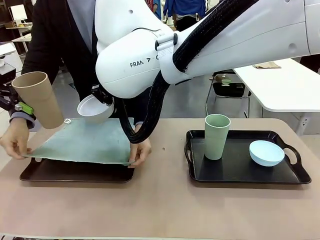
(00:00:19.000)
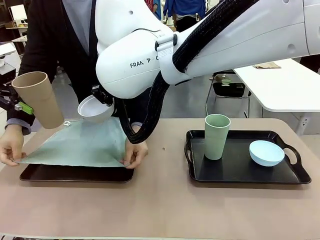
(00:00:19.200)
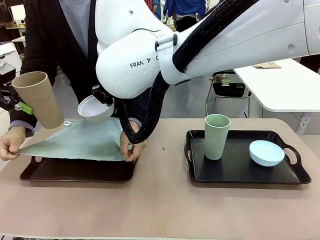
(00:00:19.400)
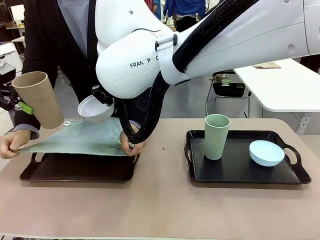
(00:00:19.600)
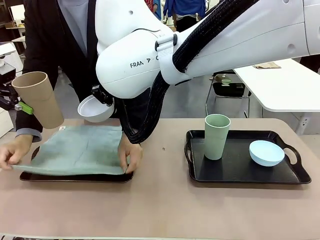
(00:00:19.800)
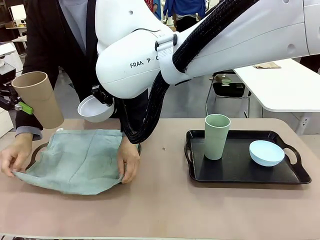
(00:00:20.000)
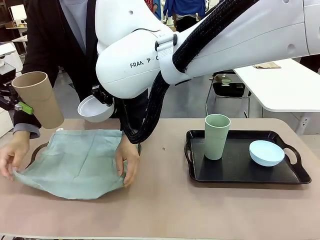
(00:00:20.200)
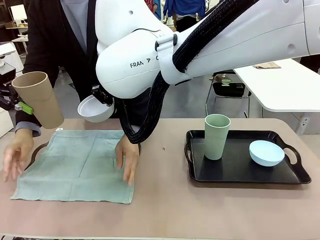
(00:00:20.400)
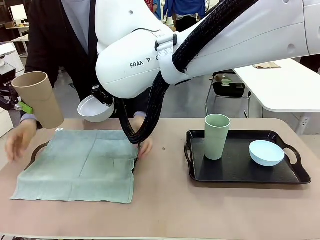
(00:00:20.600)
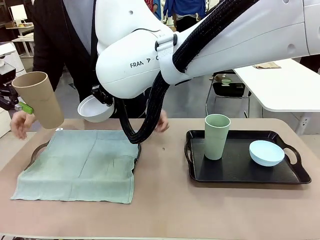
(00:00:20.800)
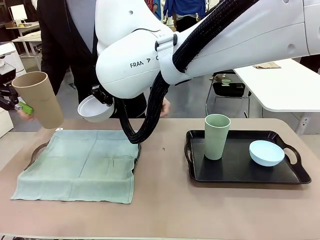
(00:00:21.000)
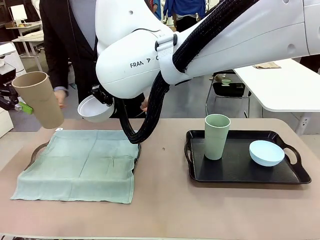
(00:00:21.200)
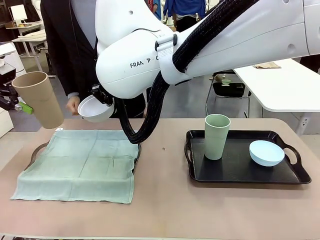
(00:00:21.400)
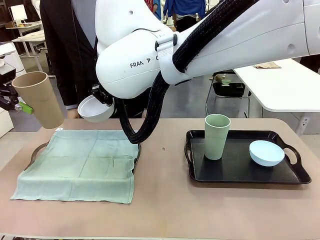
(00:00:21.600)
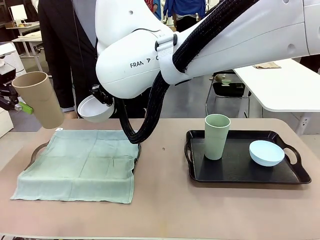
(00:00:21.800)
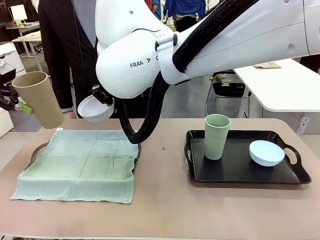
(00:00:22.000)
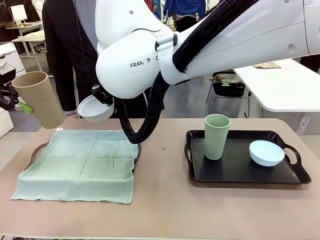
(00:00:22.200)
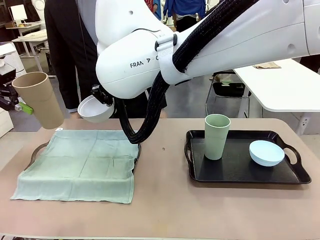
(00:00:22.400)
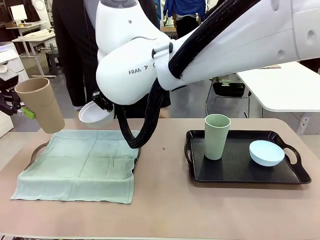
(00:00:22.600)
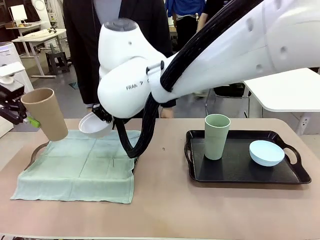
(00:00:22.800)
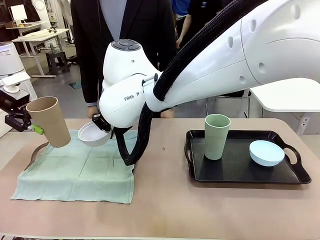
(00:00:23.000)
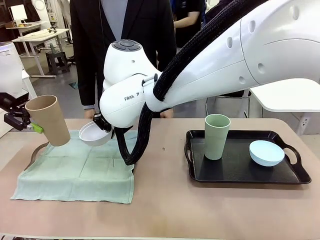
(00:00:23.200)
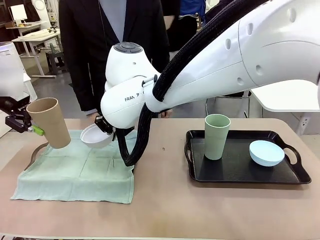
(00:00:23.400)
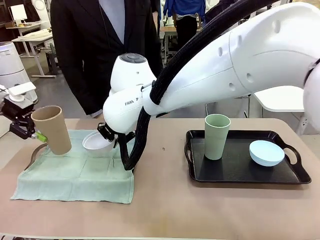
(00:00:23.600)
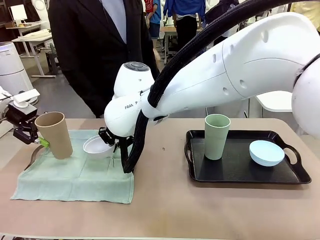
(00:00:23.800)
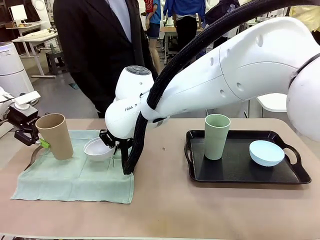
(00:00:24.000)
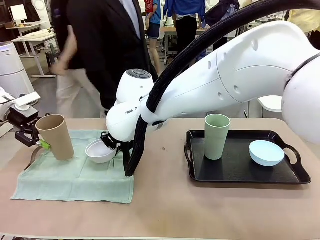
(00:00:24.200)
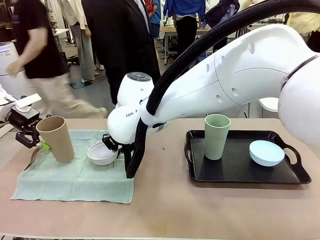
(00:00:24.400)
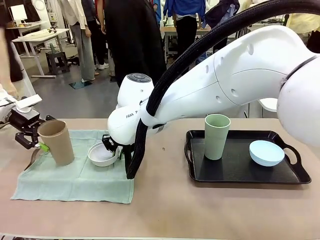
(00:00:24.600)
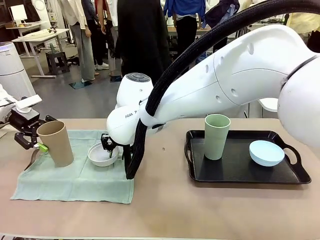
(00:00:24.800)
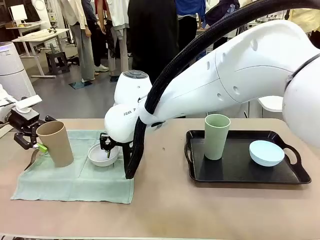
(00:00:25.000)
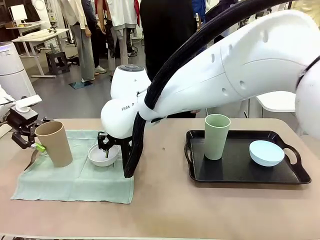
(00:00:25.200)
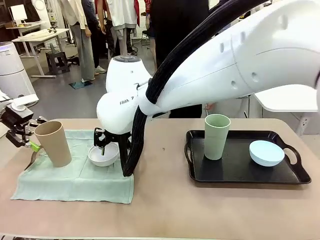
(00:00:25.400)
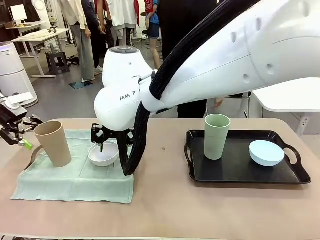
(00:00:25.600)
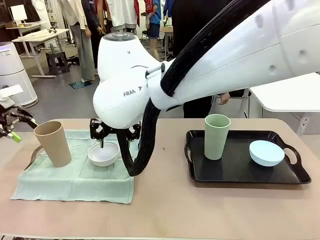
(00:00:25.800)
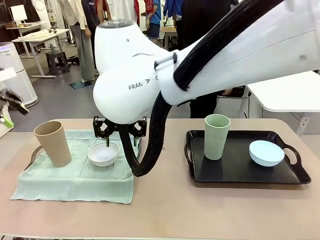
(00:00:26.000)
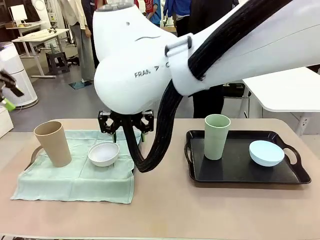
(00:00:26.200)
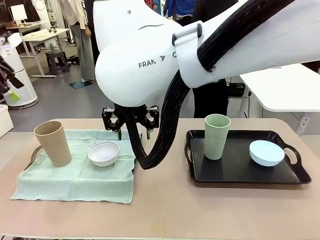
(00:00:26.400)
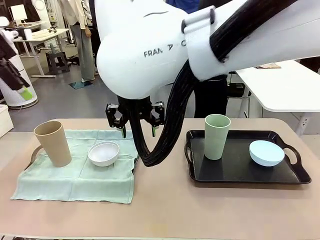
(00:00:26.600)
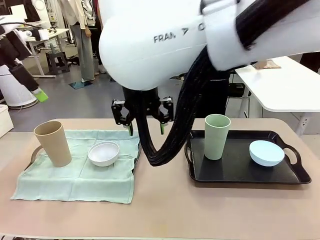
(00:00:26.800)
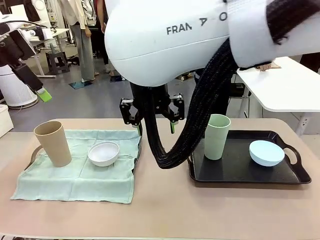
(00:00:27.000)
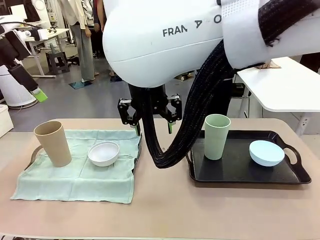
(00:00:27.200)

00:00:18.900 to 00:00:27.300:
Robot: Place the Picnic Bowl and Reusable plastic cup back onto the Handle tray in front of the human's position.
Person: The human returns to the human table to pick up another napkin and walks to the robot table to stand in front of the tray without a napkin.

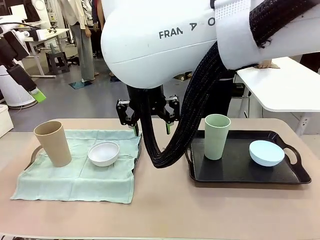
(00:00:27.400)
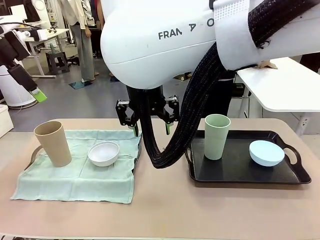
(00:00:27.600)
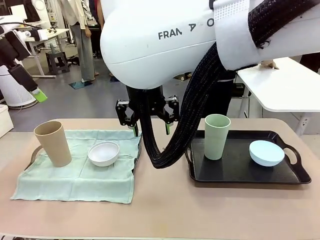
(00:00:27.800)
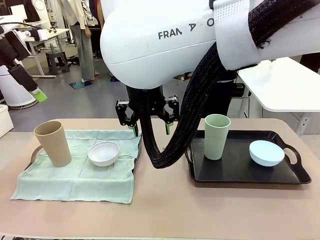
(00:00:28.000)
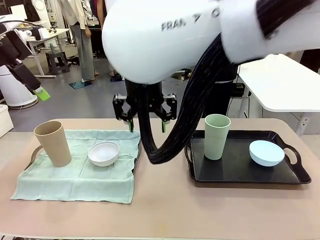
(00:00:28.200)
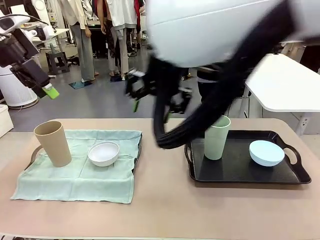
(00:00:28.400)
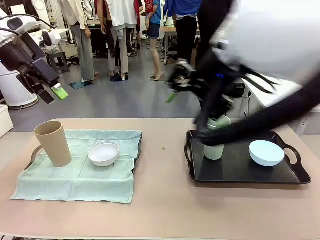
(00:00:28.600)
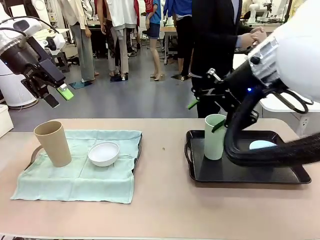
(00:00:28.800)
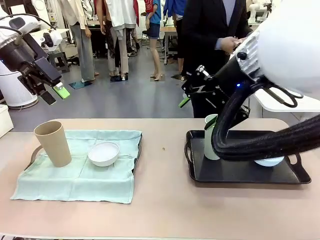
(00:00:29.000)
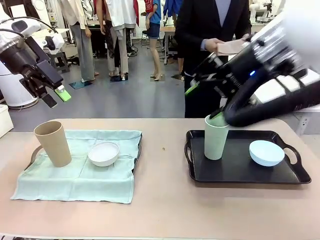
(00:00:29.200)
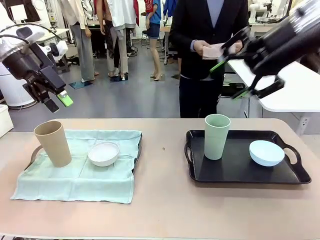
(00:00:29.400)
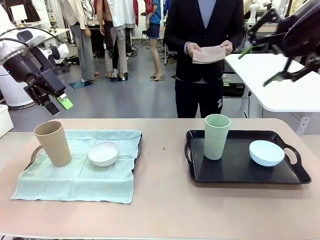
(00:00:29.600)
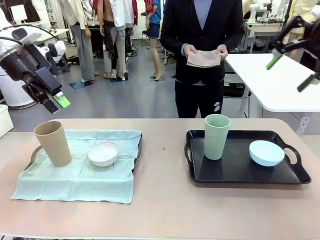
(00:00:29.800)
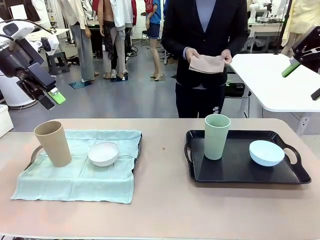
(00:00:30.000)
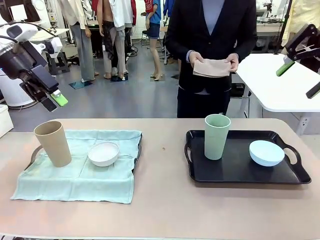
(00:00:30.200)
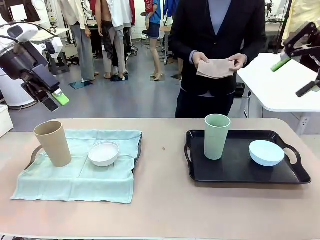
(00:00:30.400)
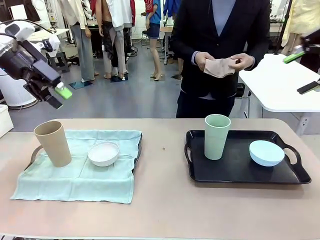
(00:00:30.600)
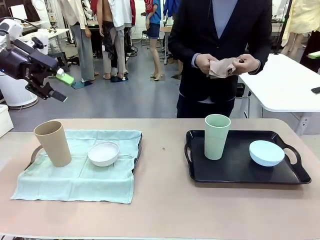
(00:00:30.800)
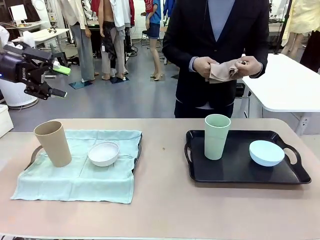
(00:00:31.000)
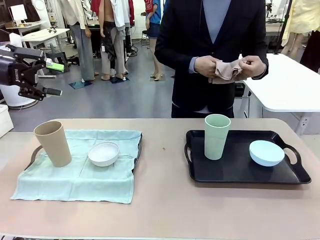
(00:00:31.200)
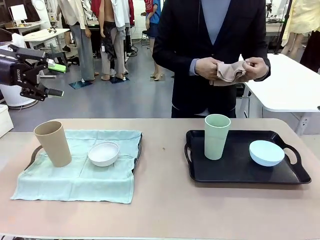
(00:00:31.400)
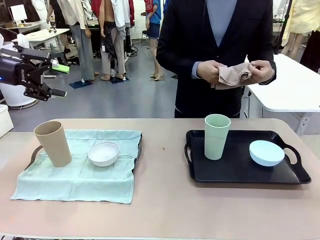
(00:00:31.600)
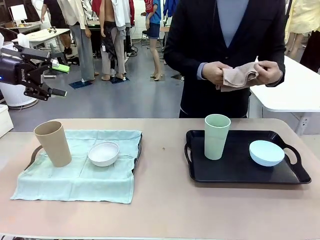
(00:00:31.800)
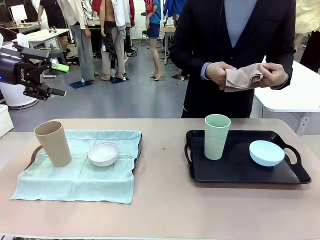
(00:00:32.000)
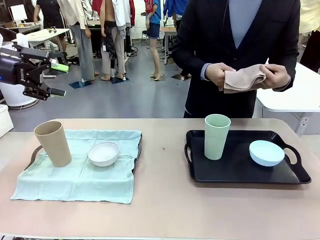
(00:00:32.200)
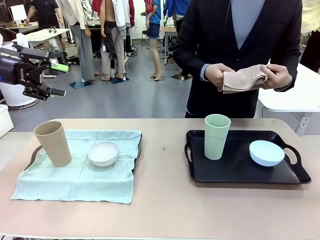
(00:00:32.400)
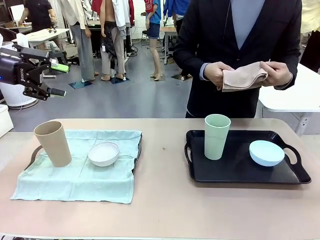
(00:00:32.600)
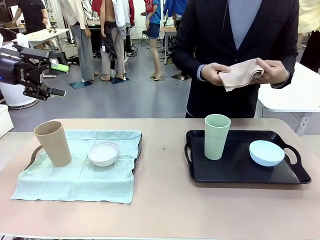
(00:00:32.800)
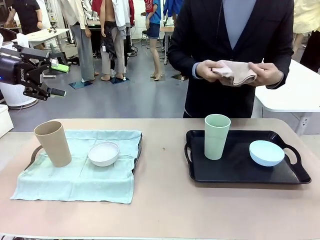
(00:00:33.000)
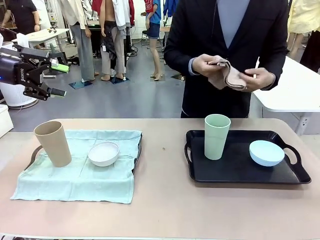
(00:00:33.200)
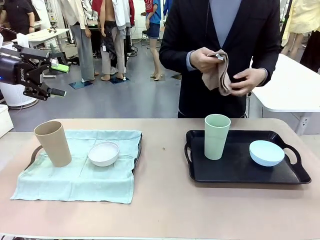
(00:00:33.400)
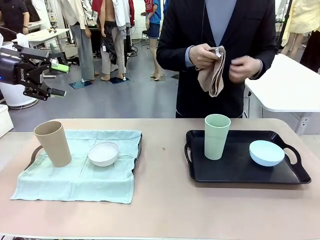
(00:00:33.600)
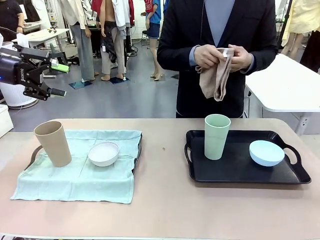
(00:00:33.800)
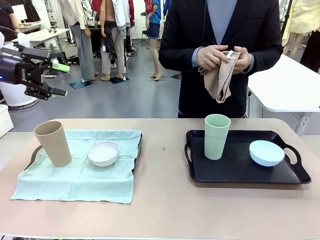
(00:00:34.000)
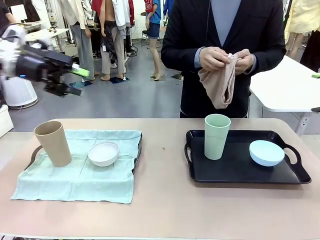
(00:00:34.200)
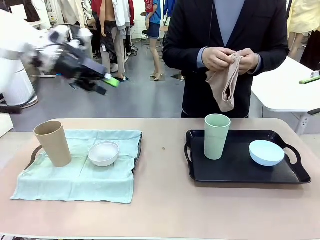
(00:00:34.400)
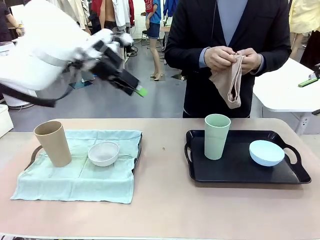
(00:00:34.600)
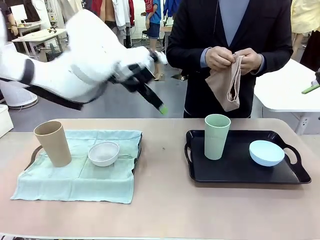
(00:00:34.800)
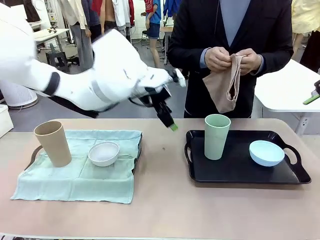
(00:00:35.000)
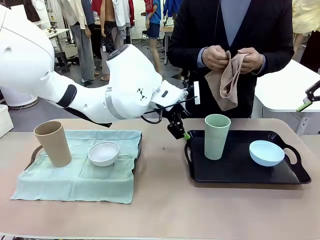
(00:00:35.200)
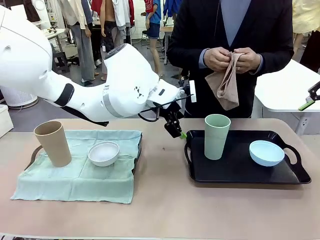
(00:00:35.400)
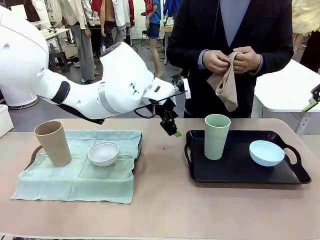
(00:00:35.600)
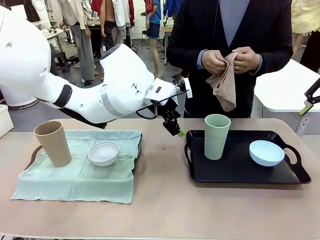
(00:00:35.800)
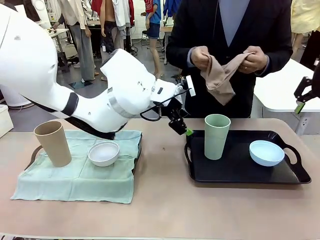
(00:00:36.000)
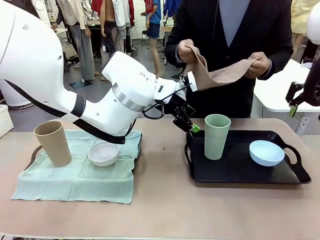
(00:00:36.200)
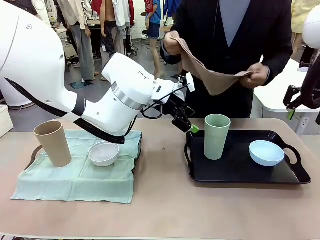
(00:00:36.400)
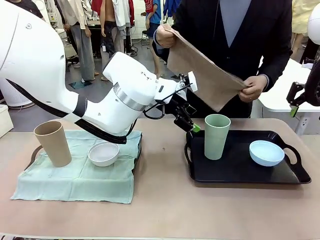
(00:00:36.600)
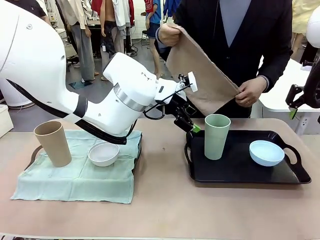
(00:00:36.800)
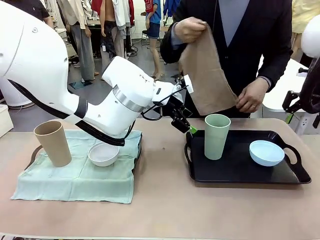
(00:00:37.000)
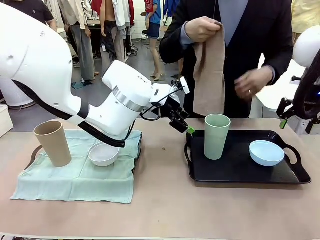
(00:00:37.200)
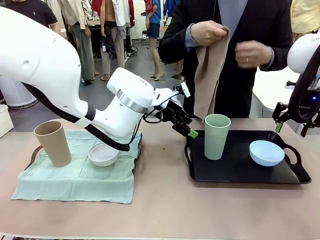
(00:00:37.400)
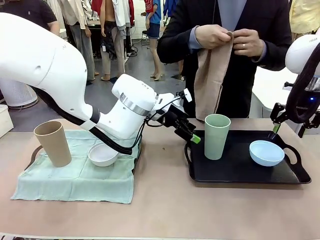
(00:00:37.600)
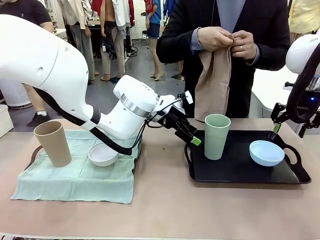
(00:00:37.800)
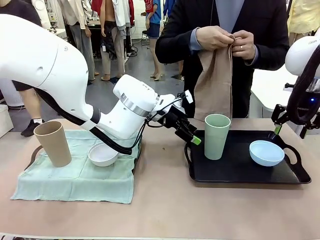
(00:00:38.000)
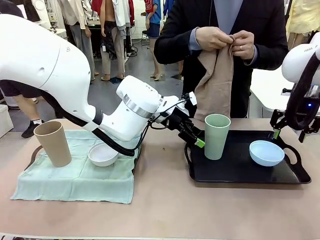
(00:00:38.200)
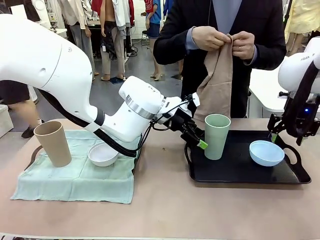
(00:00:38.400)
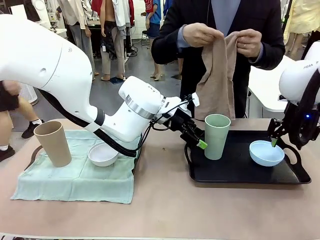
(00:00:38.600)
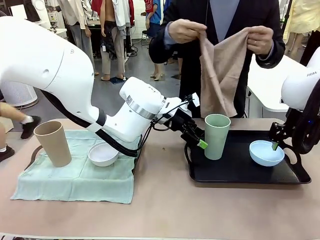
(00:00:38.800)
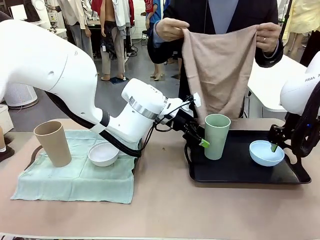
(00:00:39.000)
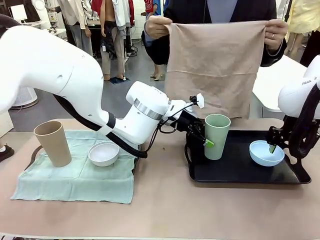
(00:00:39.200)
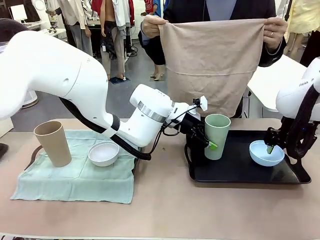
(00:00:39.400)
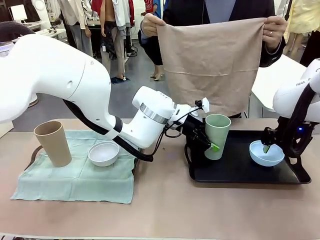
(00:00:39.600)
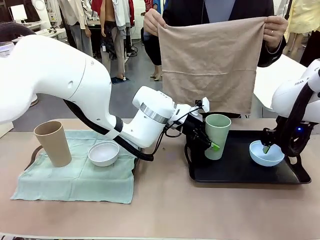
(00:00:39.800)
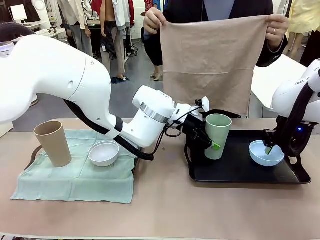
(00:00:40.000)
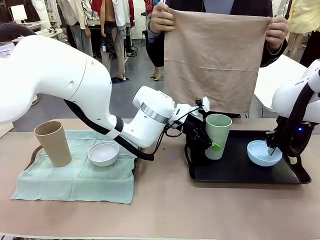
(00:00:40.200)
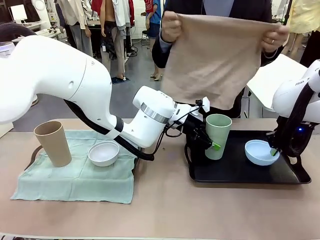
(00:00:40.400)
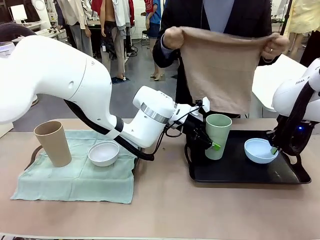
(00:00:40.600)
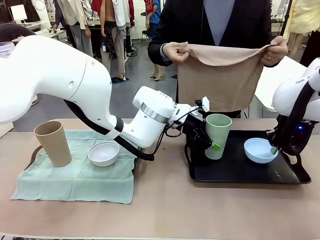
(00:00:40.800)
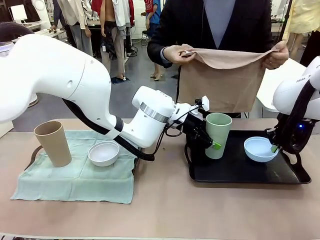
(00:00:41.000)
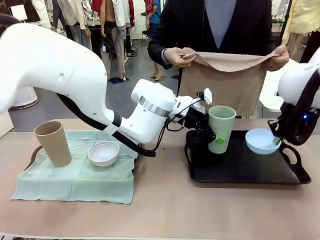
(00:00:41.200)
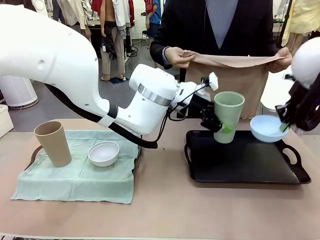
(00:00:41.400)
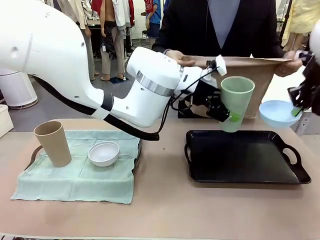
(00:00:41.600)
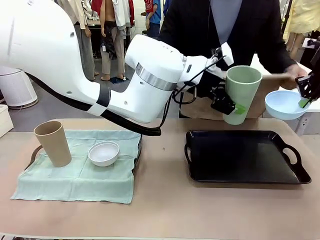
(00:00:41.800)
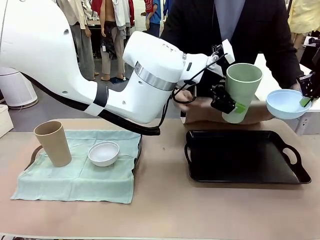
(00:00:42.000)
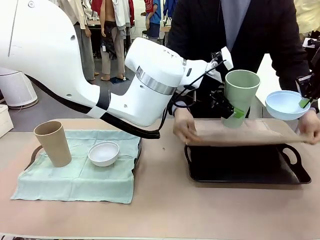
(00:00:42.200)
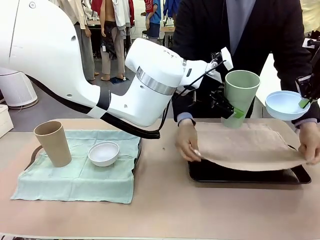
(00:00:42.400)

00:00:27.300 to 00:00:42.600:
Robot: Pick up the Picnic Bowl and Reusable plastic cup from the Handle tray in front of the human's position and hold them in the air.
Person: When the robot lifts the bowl and the cup, the human unfolds the napkin and lays the napkin flat on the tray.
